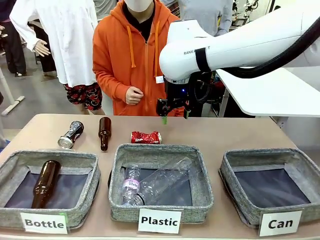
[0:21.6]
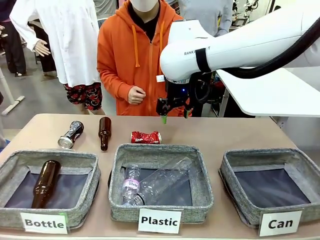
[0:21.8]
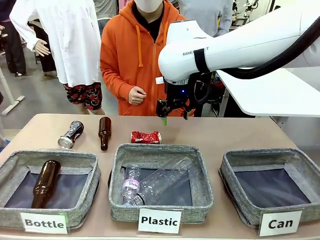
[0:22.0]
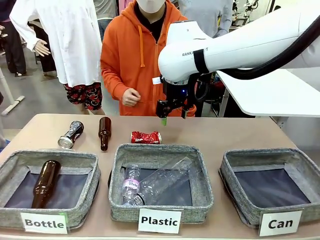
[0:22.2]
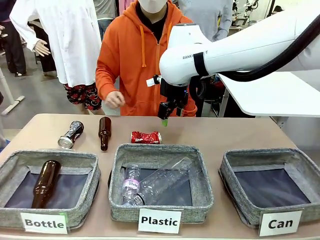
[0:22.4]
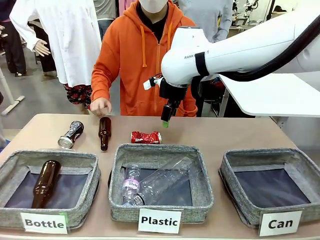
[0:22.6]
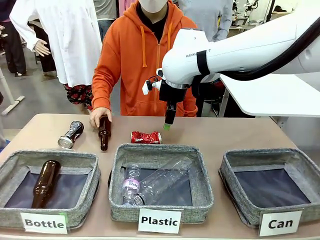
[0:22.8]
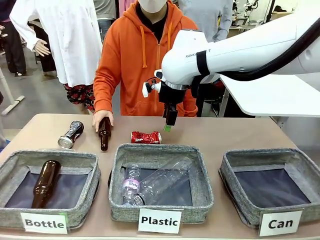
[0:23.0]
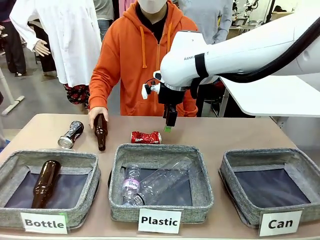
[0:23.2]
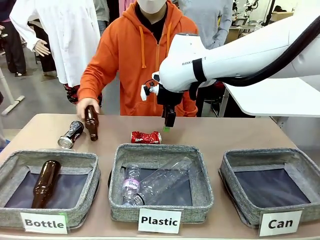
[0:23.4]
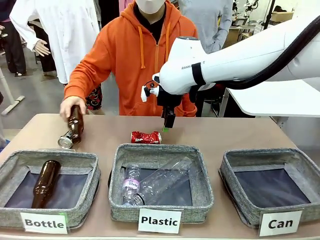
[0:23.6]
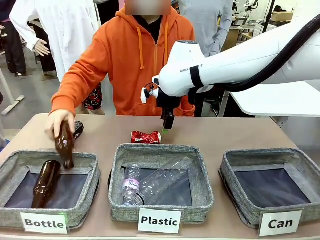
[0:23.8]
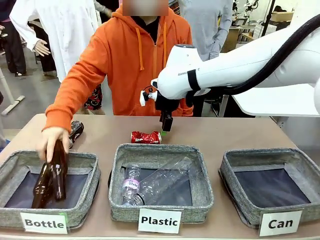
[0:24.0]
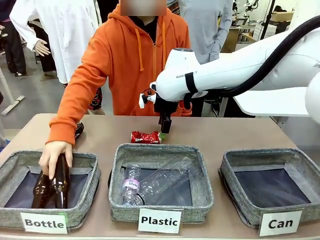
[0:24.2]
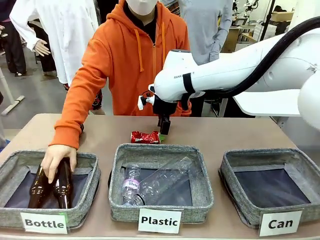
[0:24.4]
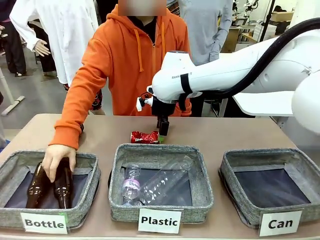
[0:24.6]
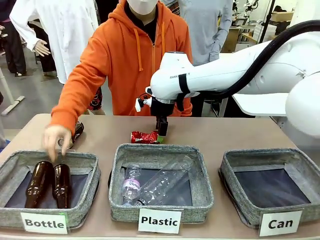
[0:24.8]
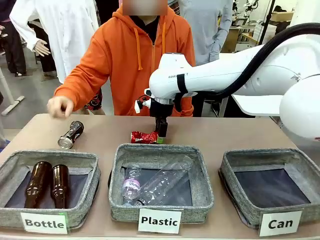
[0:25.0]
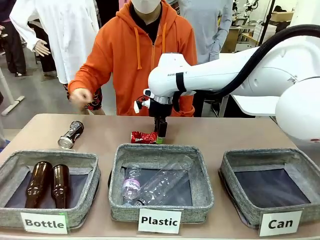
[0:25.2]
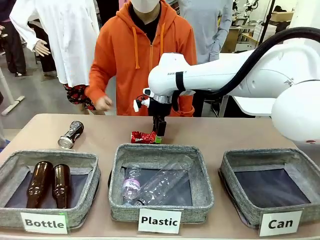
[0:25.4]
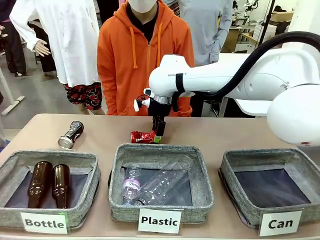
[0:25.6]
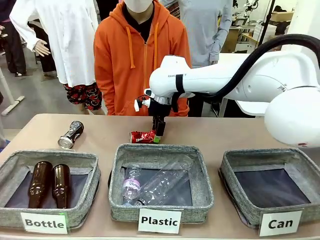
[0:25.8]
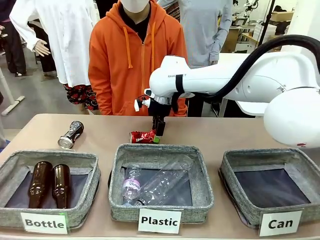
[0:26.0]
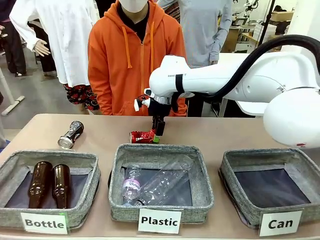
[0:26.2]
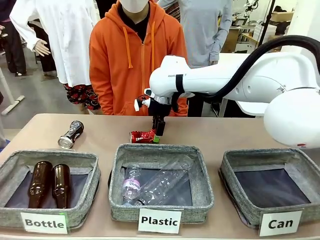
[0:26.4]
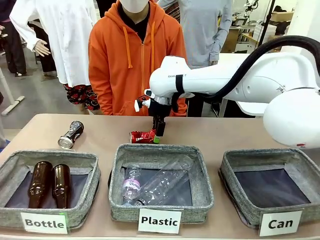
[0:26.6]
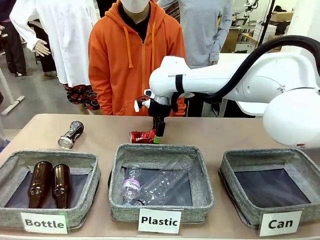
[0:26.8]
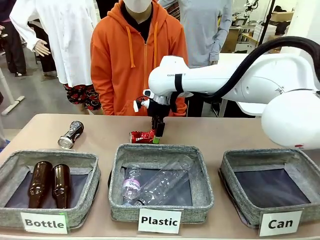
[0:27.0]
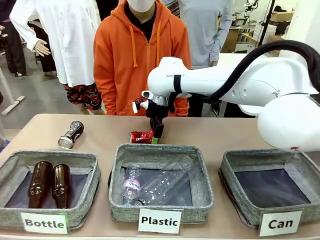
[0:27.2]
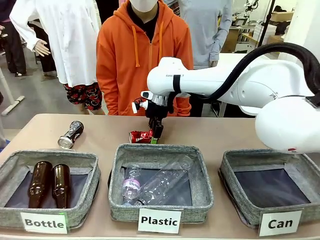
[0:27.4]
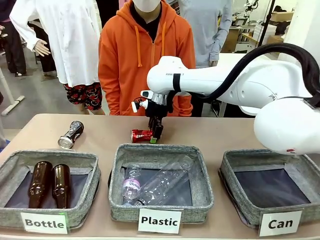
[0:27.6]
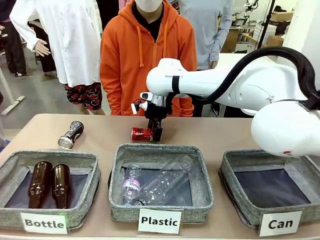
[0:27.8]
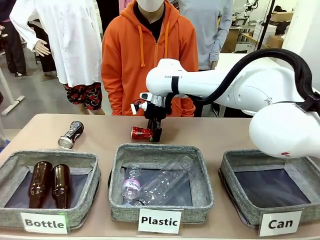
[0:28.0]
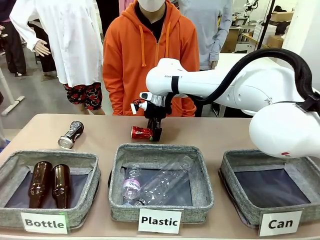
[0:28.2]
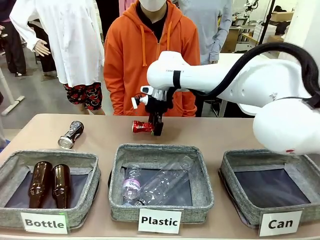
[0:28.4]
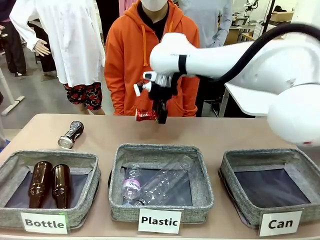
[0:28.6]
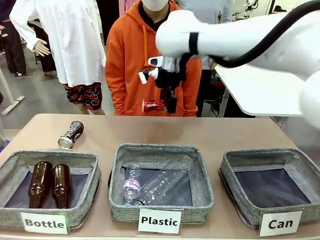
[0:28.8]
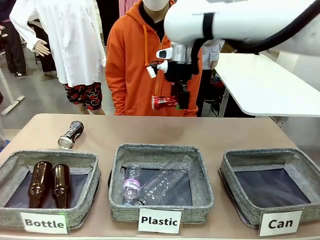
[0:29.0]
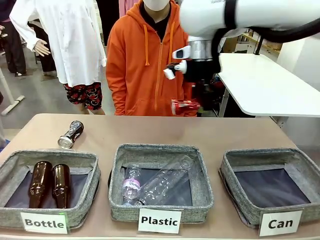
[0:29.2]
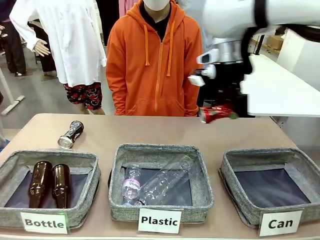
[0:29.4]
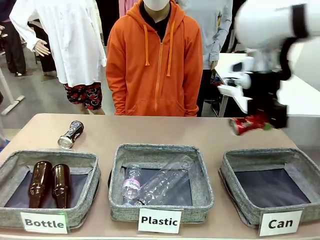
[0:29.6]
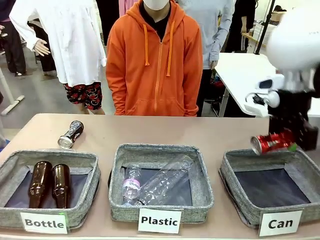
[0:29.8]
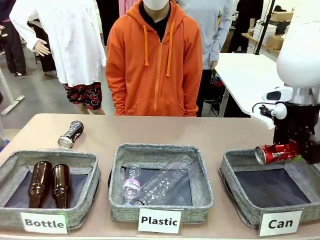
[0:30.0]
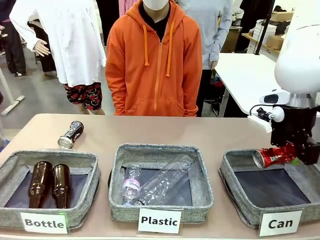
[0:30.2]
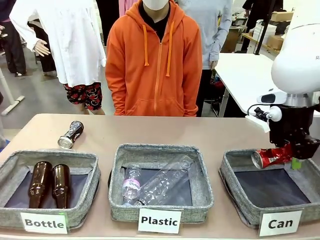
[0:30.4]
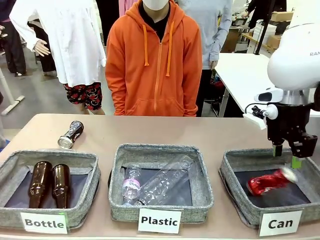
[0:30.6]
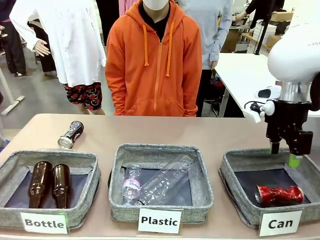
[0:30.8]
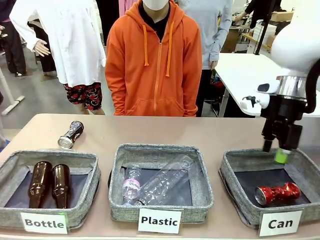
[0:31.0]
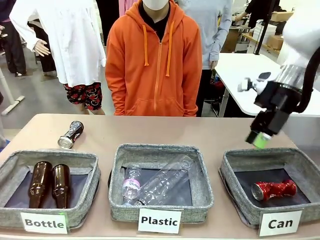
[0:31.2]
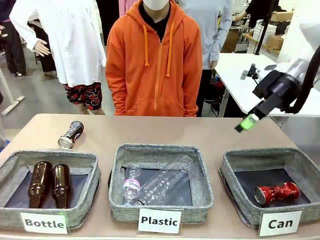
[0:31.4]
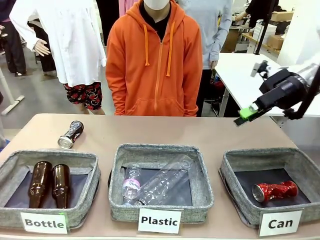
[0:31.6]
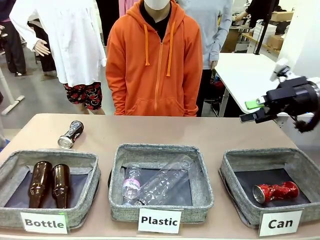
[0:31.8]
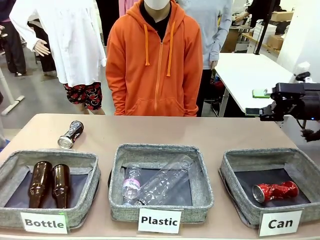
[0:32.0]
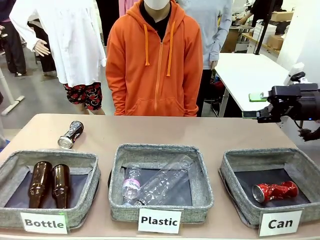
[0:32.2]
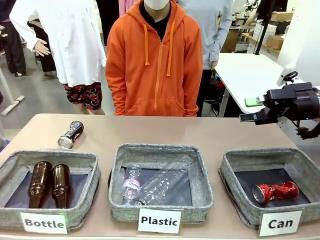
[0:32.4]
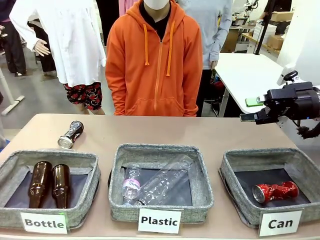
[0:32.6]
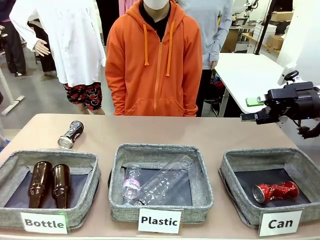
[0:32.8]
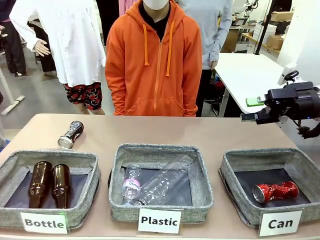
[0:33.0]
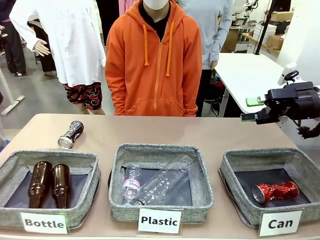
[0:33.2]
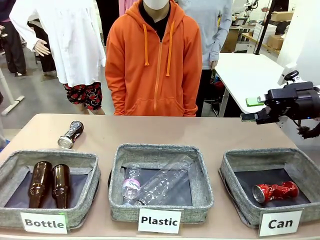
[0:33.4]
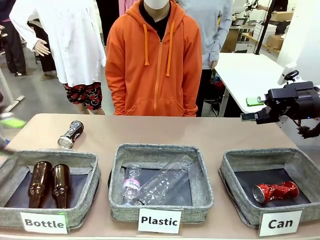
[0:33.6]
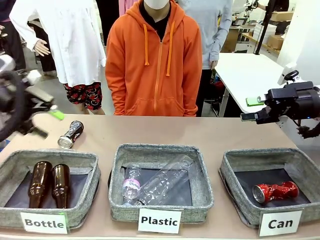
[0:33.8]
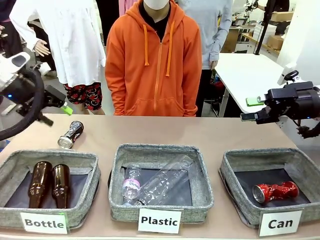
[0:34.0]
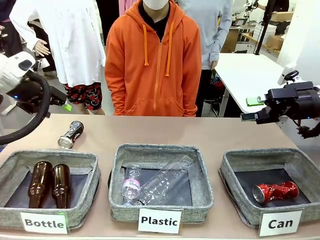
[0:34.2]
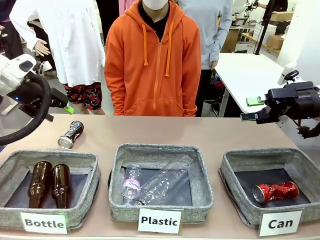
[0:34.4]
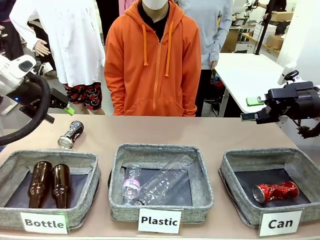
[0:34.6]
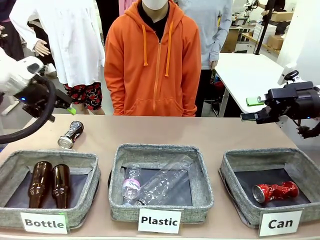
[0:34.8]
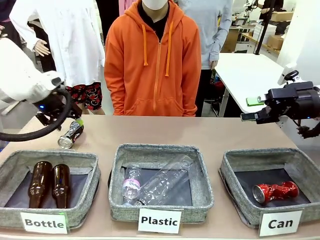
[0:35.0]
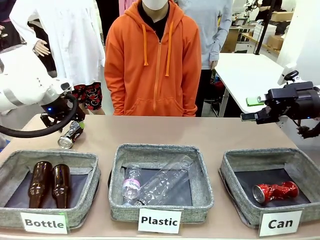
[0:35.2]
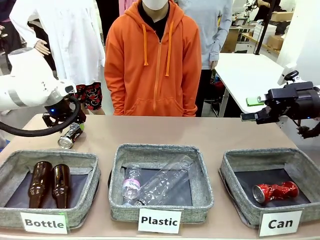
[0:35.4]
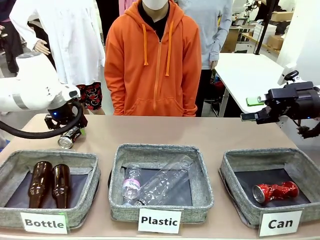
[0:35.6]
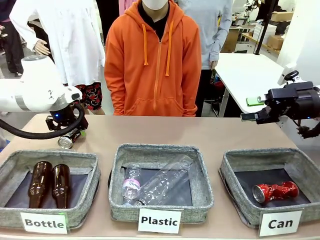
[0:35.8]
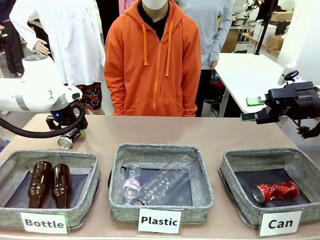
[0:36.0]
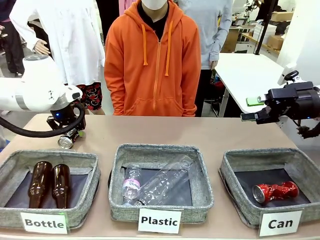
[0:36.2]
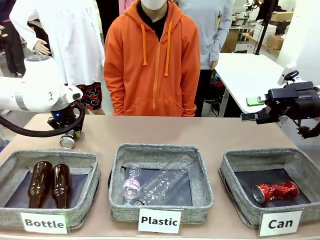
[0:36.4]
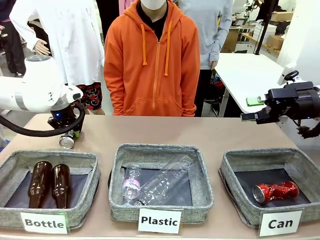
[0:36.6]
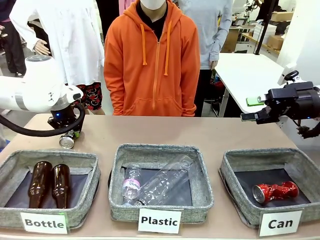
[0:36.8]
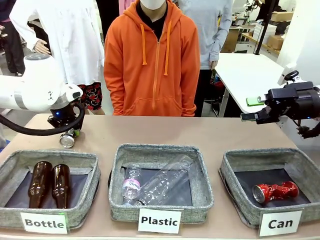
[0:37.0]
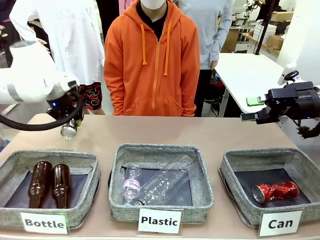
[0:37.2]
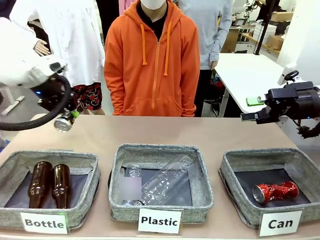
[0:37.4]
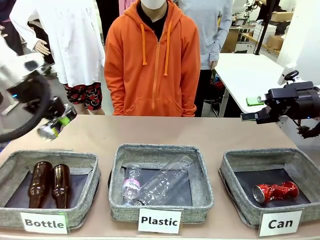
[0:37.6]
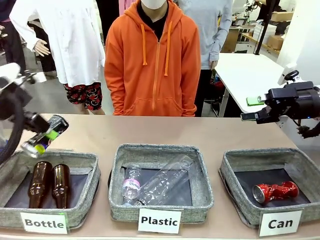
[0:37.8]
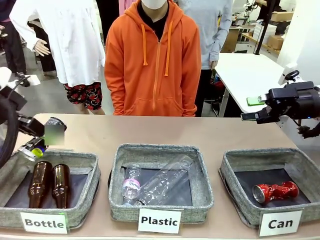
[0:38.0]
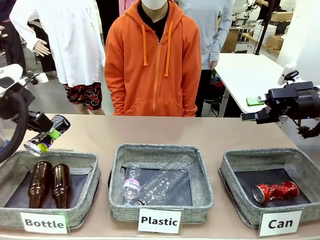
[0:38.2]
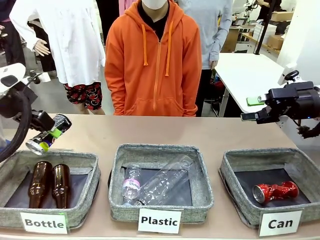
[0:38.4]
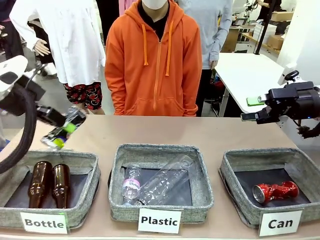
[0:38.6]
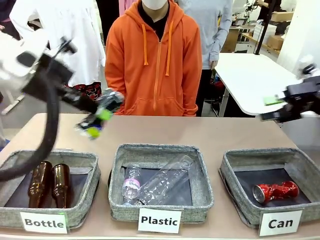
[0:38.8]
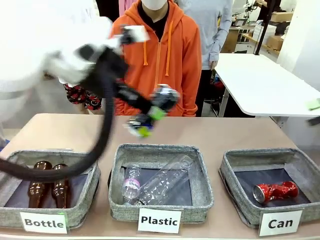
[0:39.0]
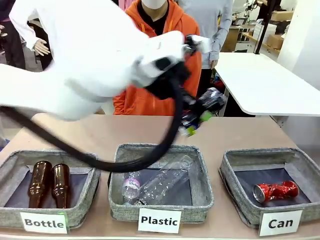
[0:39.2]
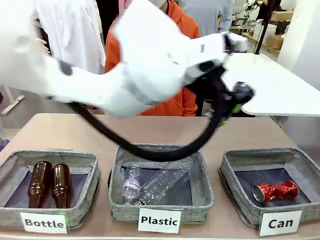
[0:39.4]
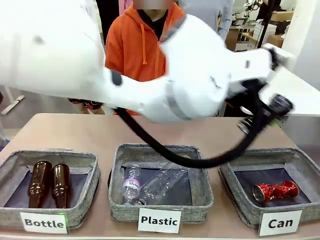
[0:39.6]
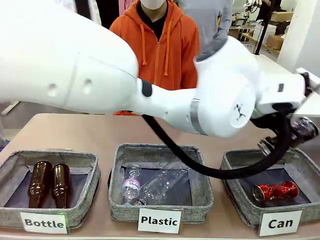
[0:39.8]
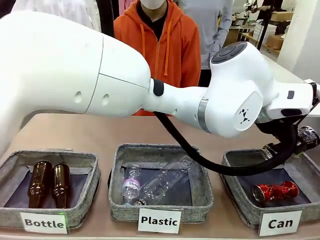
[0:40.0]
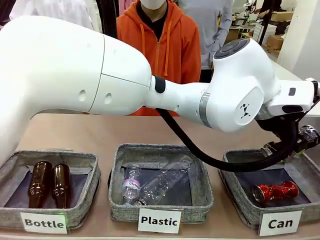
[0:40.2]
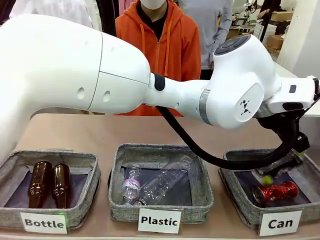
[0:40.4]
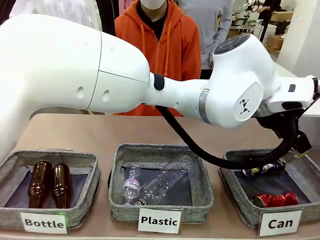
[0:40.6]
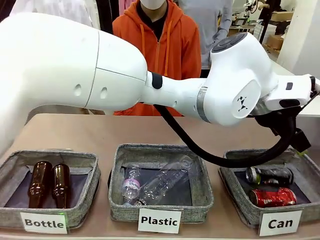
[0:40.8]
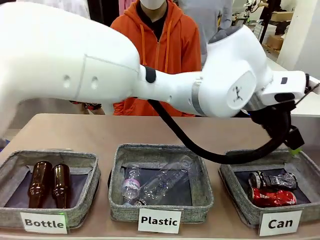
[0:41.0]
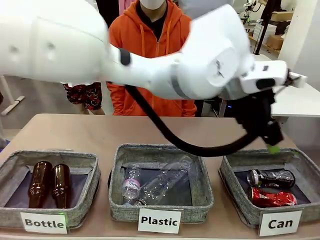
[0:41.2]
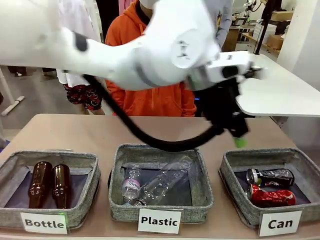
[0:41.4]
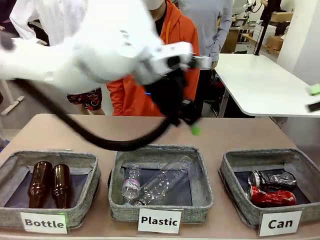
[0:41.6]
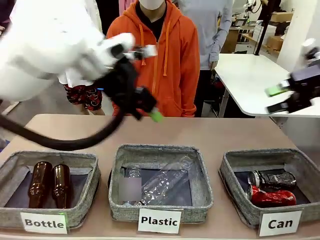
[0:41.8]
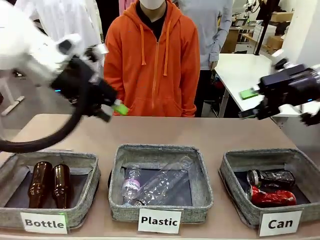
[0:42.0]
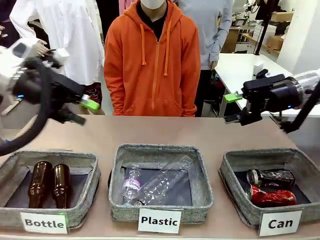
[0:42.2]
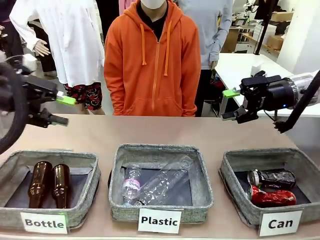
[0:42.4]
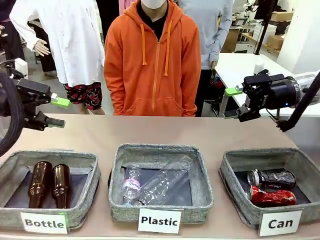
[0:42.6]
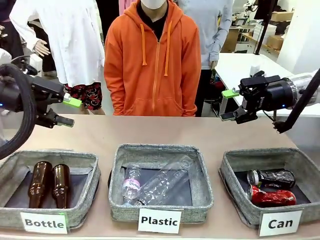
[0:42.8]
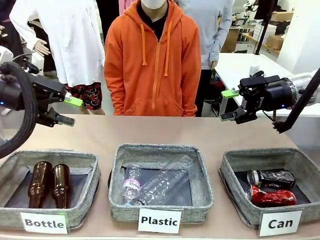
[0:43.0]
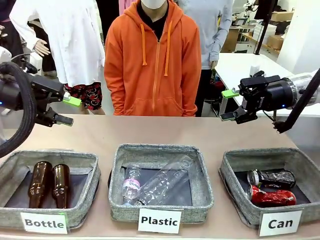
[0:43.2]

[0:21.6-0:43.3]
Task: Sort the can waste into the basket.
Robot: Pick up the can waste from the table and place it in the right Fabric basket.
Person: The human picks up one piece of trash that is not a can and places the trash into the appropriate organizing basket.
